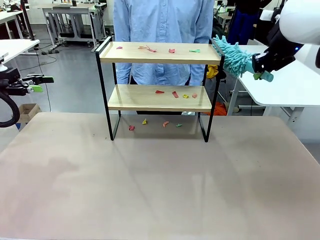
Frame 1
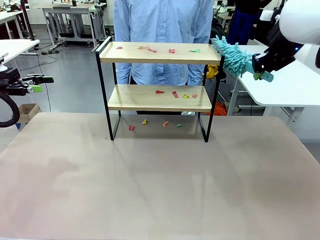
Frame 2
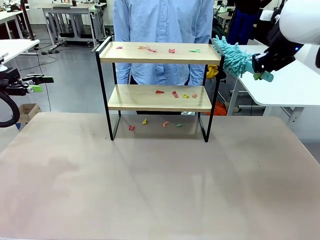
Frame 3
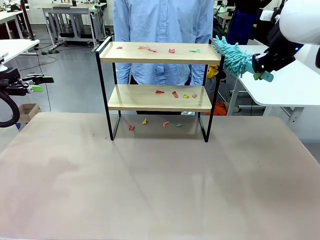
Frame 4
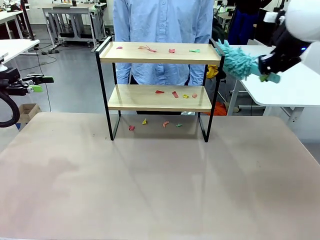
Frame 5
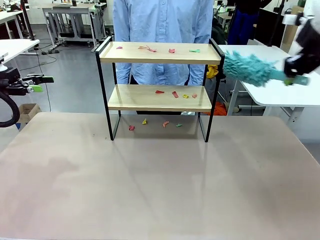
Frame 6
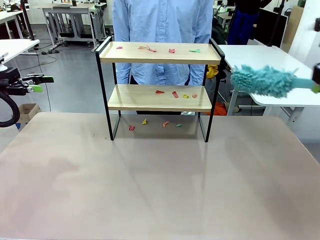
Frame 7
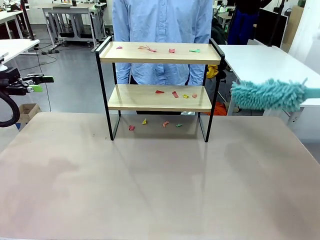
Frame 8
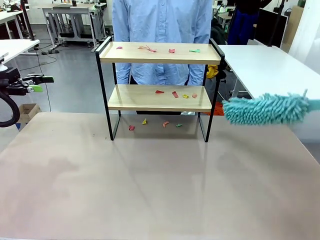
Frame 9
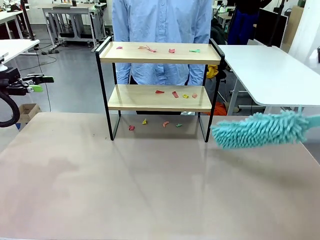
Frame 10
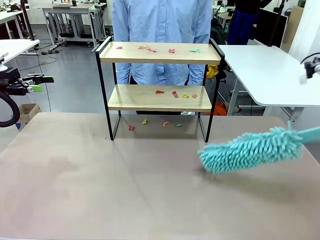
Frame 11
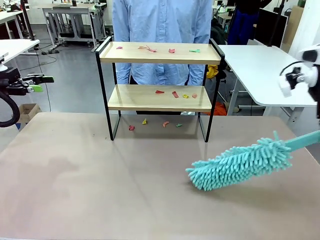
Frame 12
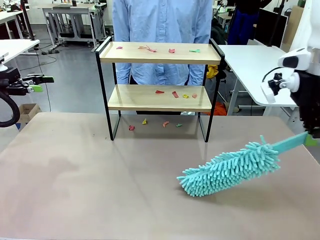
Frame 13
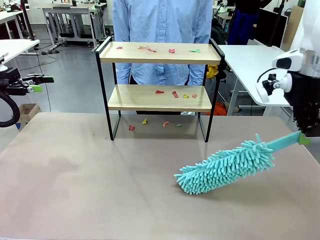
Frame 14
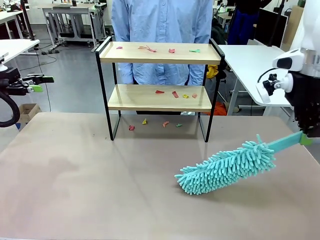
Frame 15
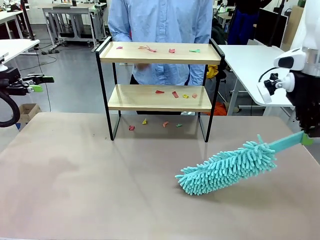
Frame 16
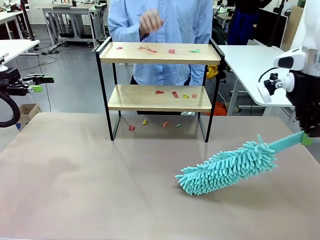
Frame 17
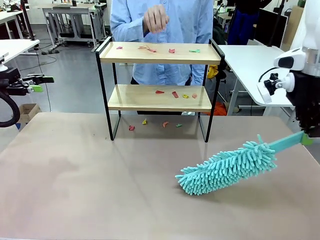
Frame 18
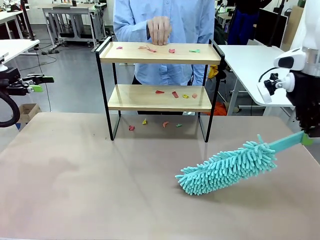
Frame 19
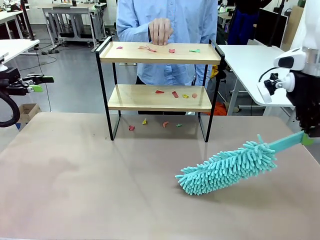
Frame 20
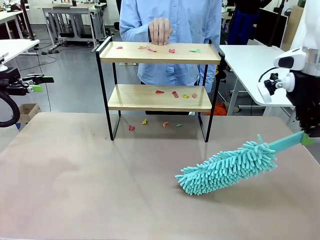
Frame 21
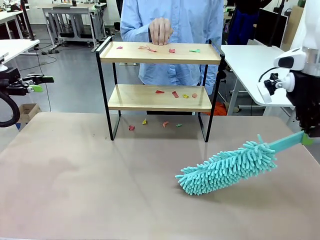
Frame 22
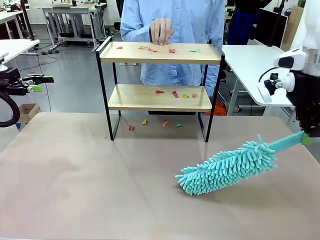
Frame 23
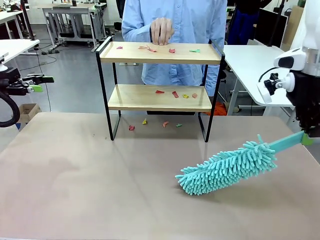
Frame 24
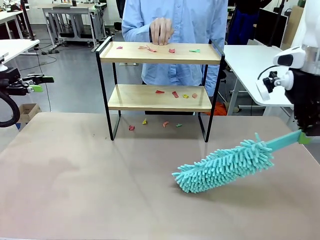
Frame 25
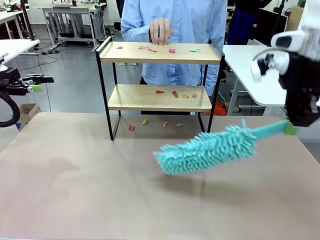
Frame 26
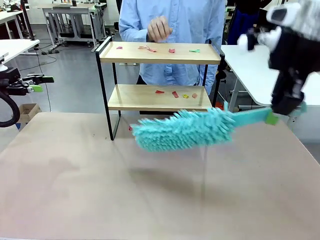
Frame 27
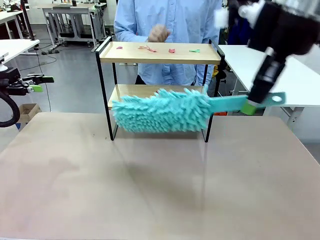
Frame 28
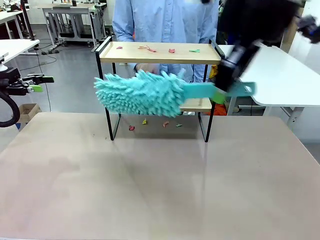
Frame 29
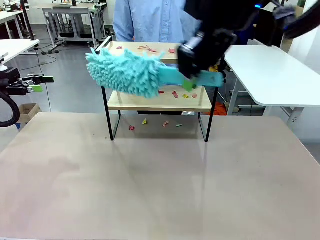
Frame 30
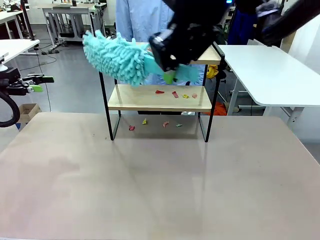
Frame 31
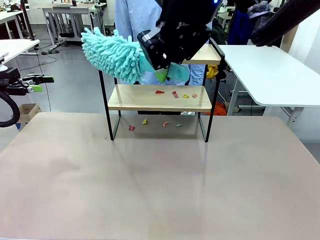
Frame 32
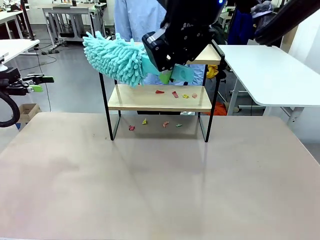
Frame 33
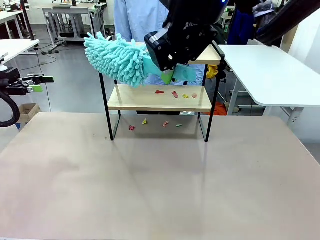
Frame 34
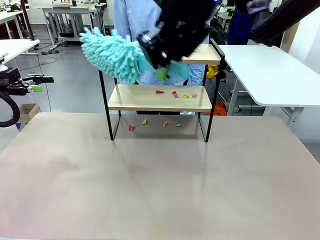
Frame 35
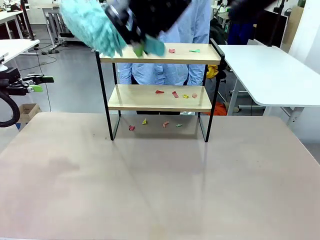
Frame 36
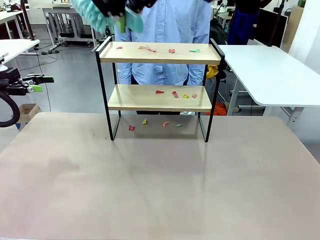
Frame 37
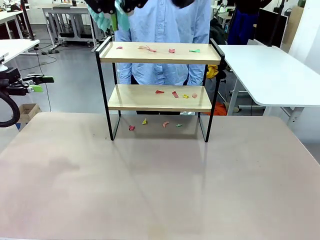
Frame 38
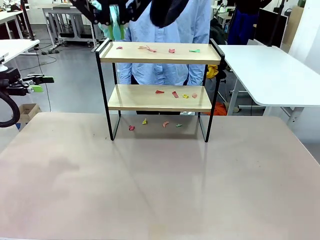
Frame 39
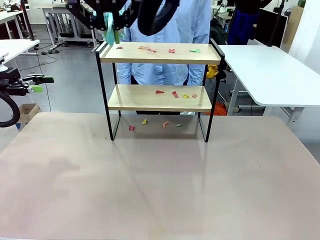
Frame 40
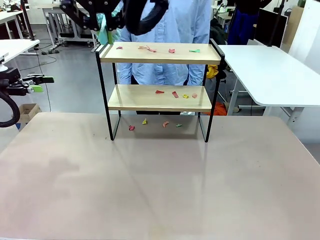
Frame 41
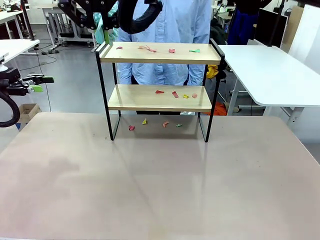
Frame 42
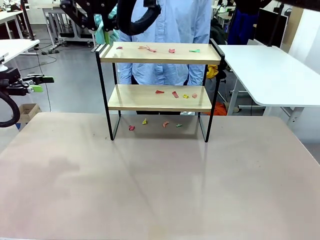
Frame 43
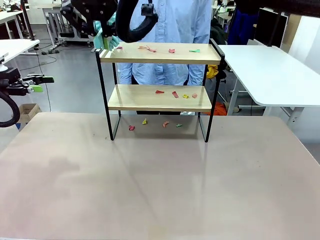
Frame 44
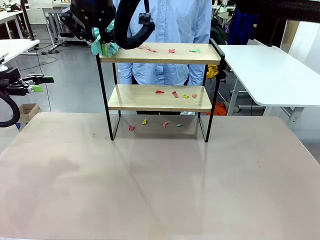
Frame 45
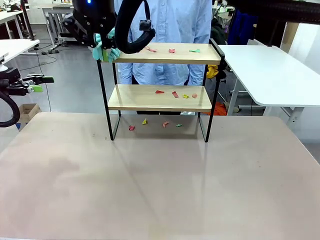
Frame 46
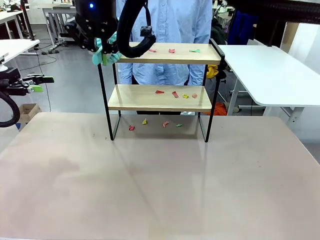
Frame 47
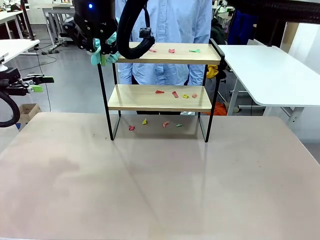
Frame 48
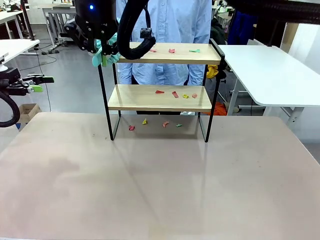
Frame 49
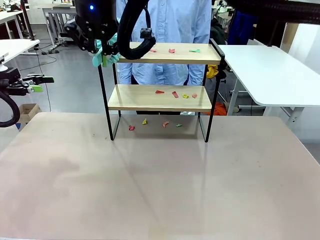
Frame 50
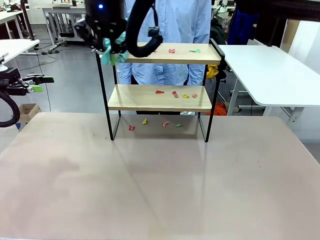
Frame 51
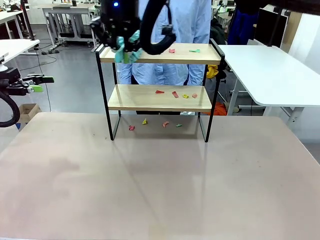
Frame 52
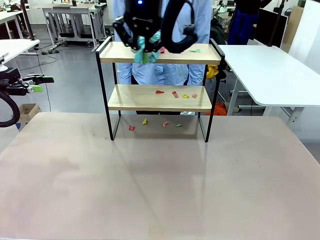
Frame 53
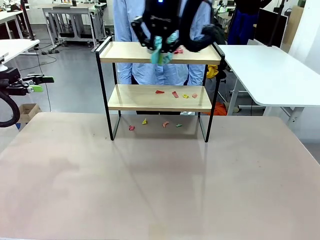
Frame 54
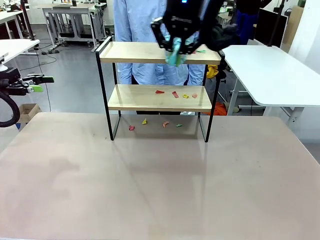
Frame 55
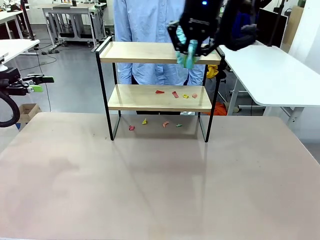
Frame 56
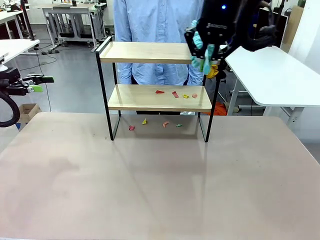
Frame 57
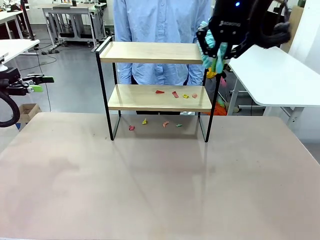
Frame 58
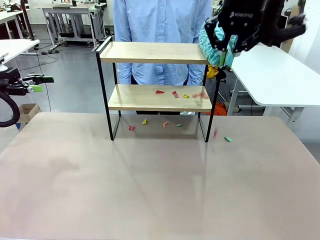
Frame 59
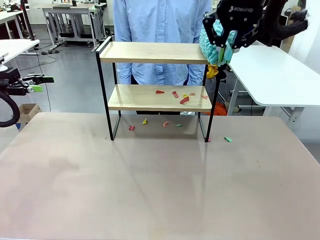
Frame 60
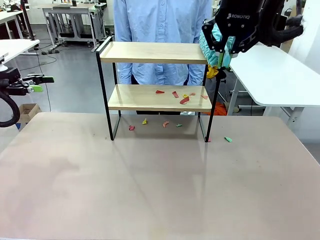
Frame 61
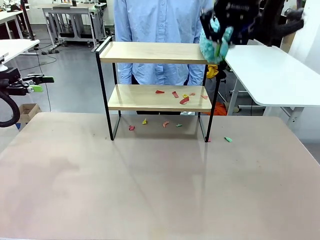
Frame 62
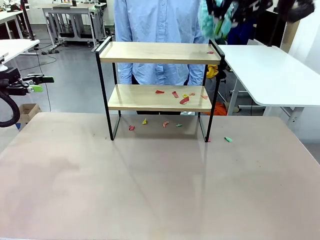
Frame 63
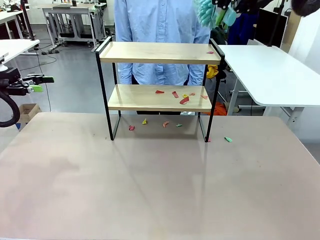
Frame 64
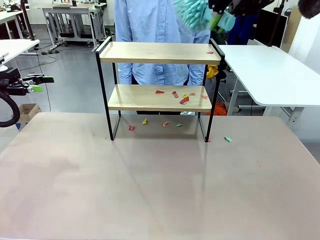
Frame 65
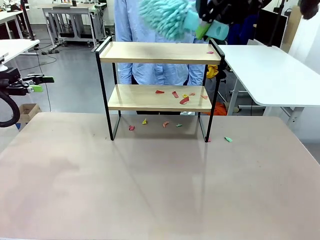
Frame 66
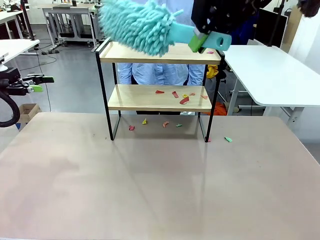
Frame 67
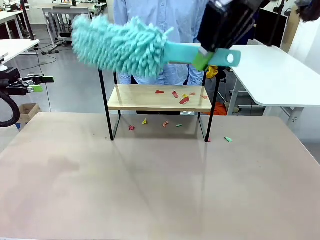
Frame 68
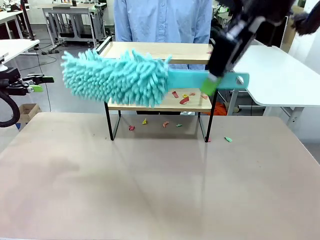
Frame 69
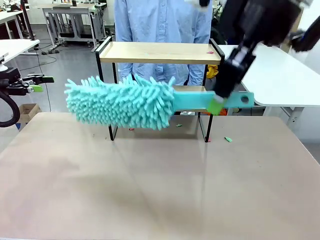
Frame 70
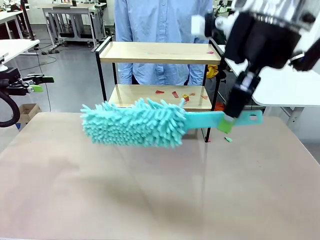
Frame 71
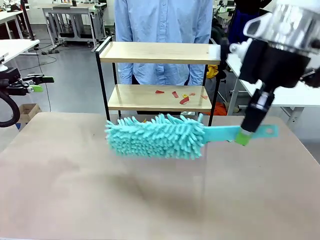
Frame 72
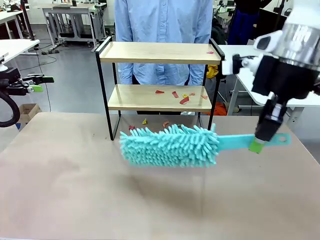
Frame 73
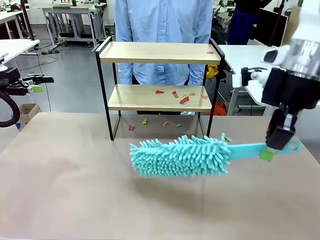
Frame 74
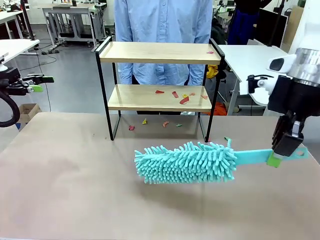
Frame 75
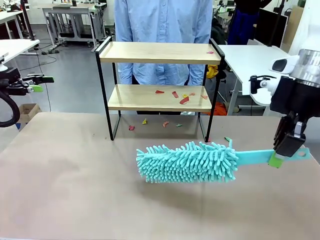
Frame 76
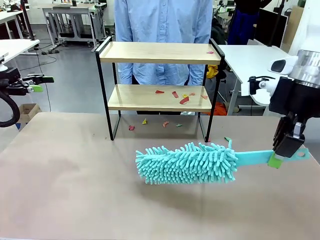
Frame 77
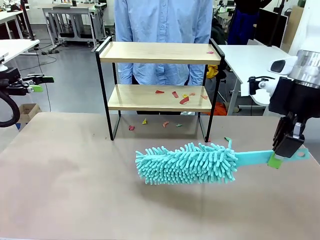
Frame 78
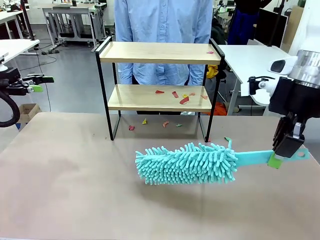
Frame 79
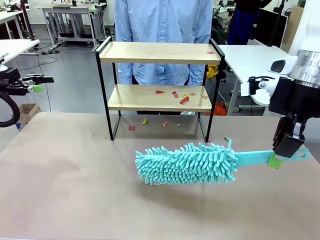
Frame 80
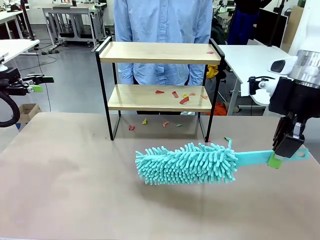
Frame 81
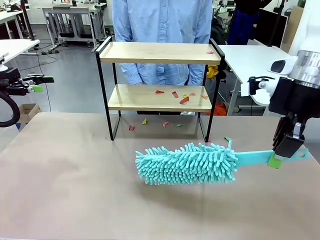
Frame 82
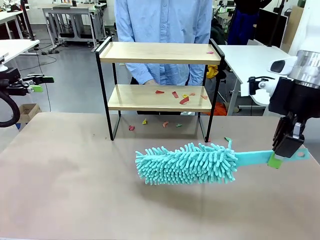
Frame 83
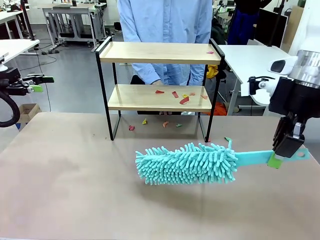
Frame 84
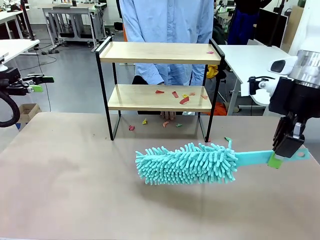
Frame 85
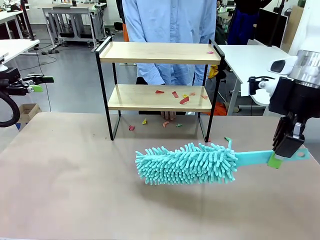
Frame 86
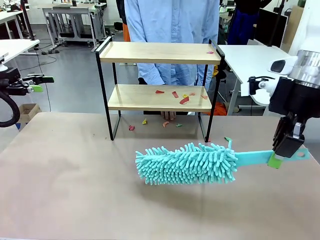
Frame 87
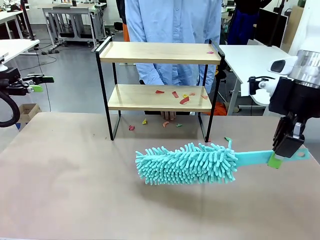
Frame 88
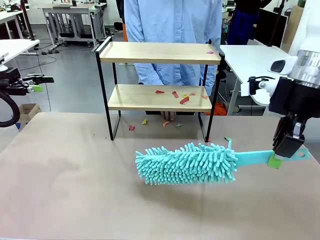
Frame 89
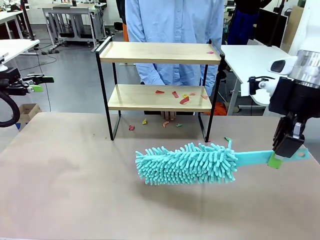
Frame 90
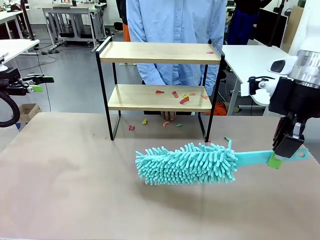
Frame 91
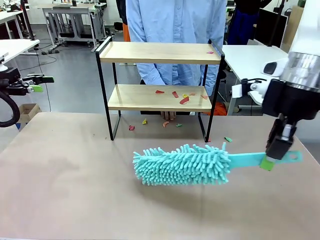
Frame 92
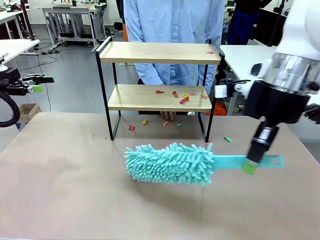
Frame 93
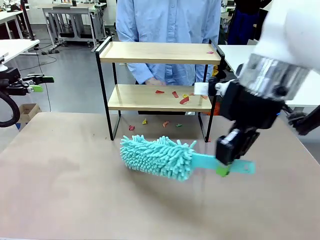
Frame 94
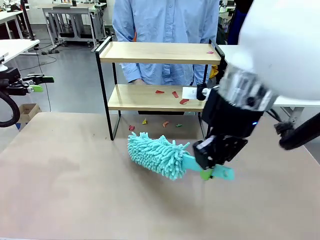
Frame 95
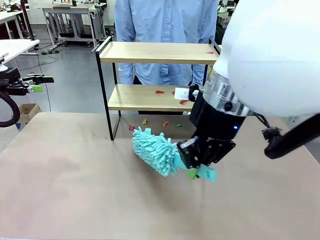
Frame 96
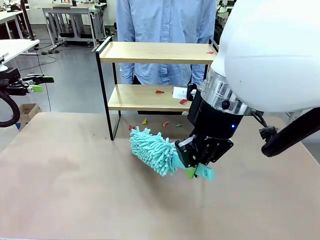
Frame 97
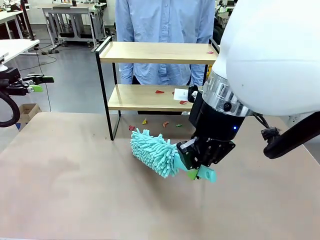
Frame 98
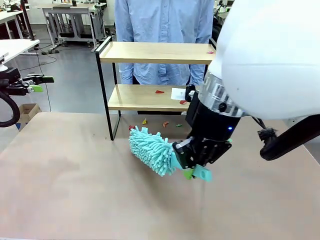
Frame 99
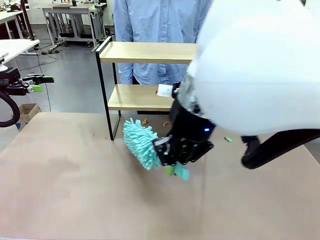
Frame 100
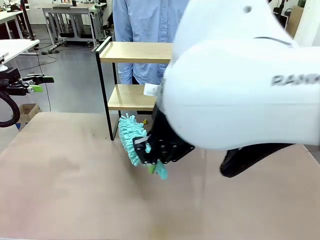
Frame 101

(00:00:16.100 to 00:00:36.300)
Task: Clean the shelf.
Robot: Clean the specific section of the Shelf indicated by the human with the Duster.
Person: Point a random section of the Shelf.
